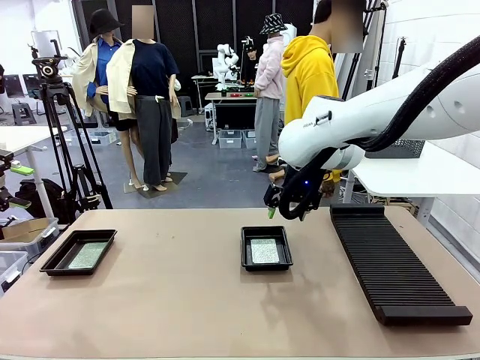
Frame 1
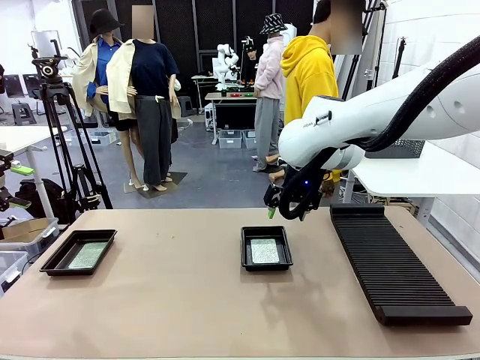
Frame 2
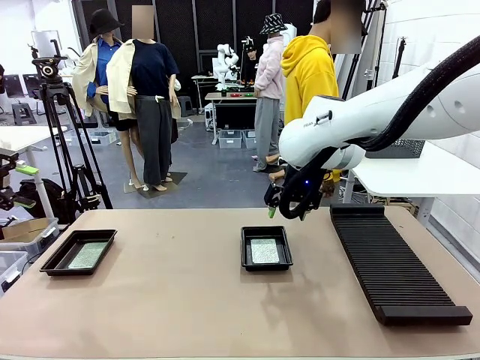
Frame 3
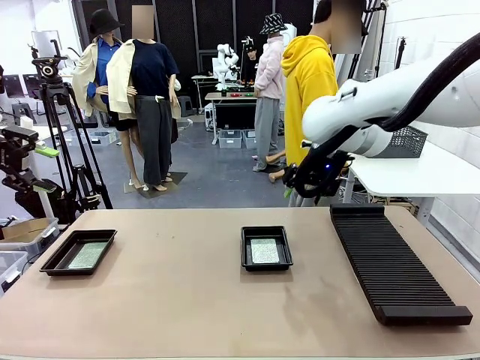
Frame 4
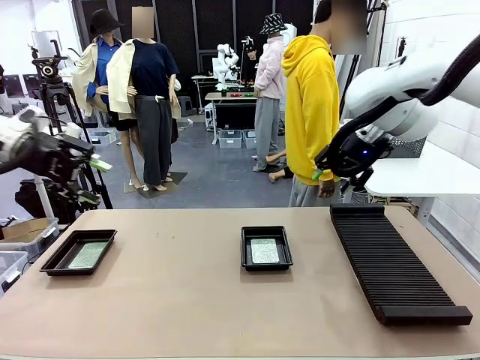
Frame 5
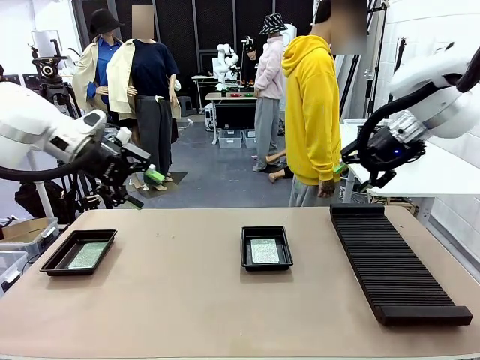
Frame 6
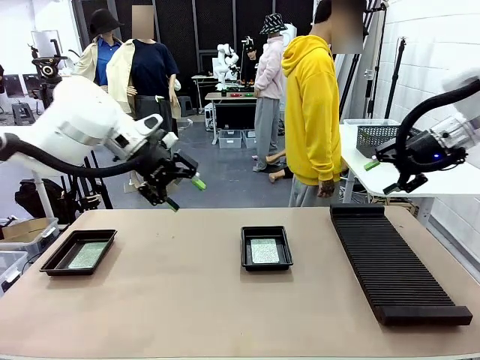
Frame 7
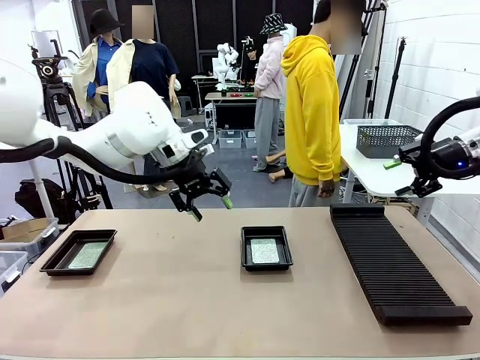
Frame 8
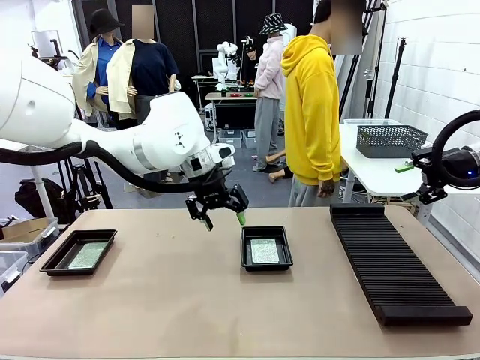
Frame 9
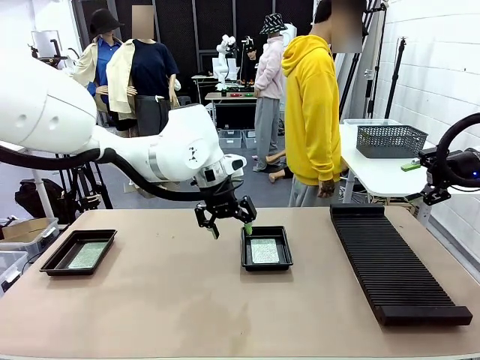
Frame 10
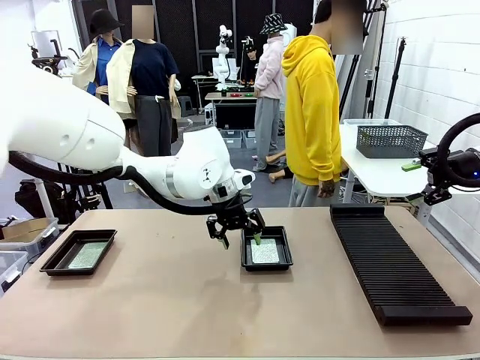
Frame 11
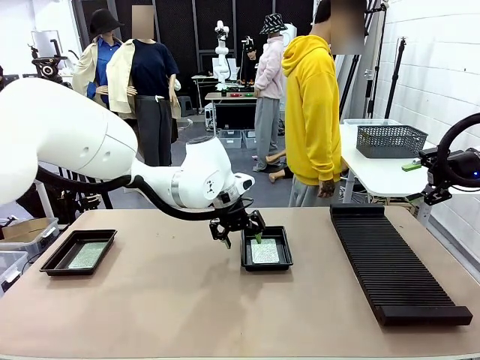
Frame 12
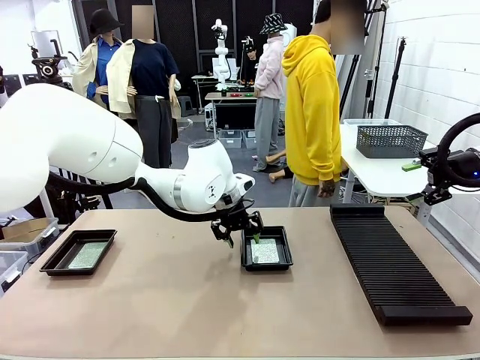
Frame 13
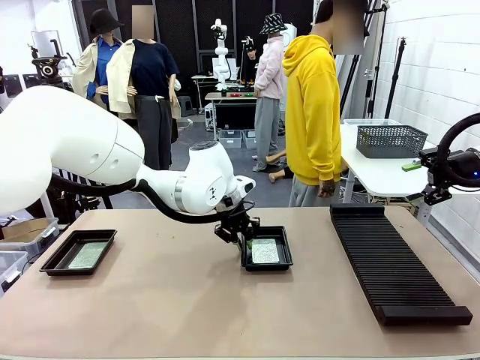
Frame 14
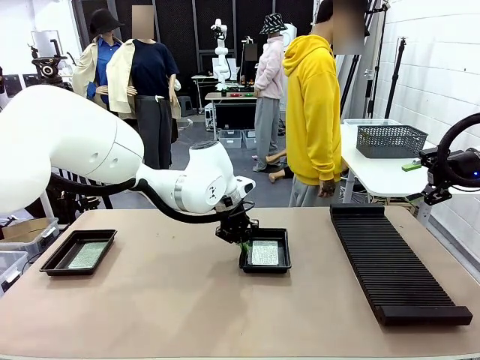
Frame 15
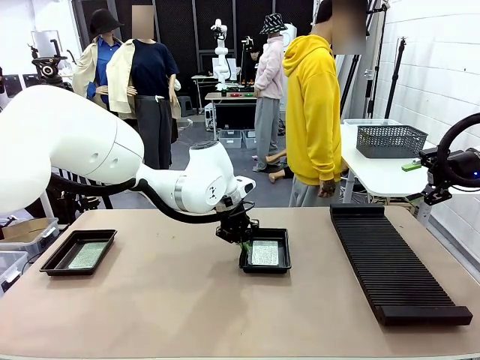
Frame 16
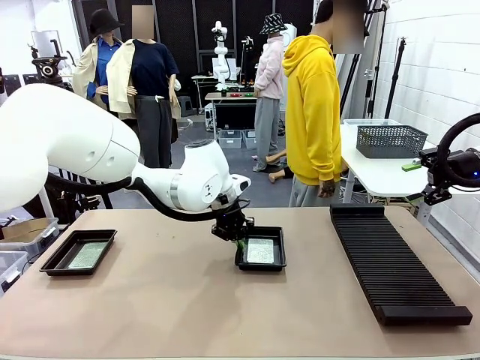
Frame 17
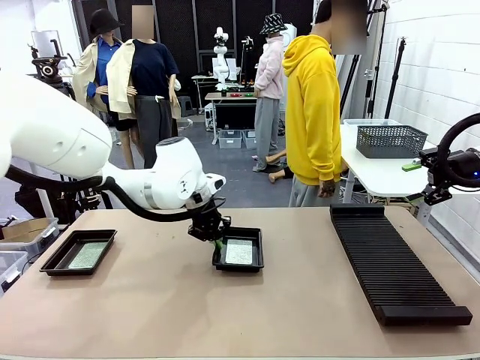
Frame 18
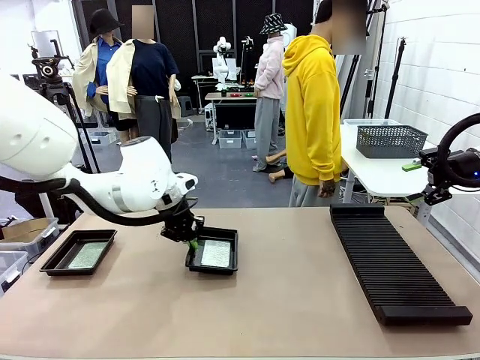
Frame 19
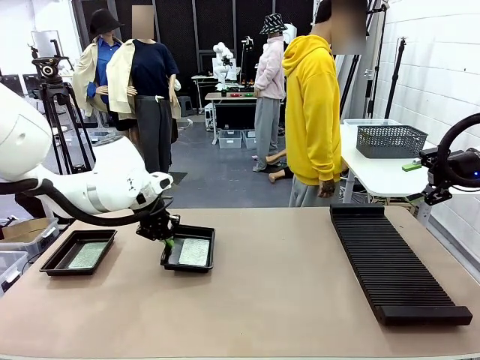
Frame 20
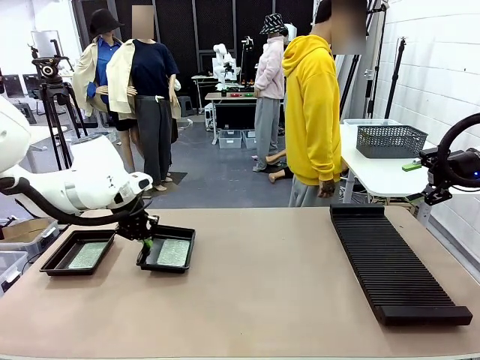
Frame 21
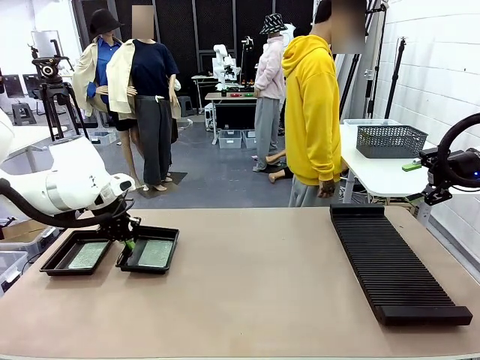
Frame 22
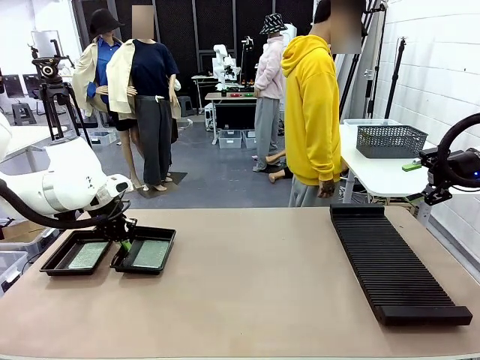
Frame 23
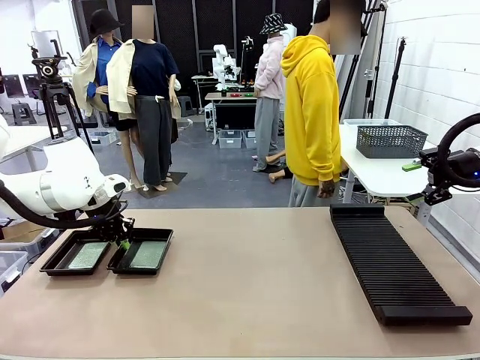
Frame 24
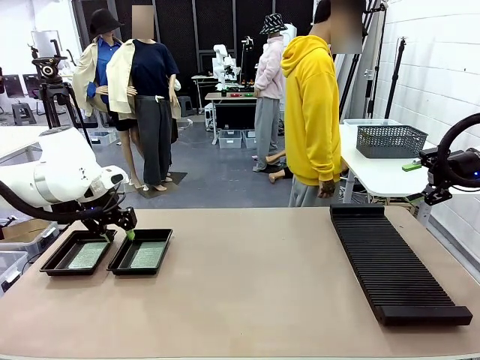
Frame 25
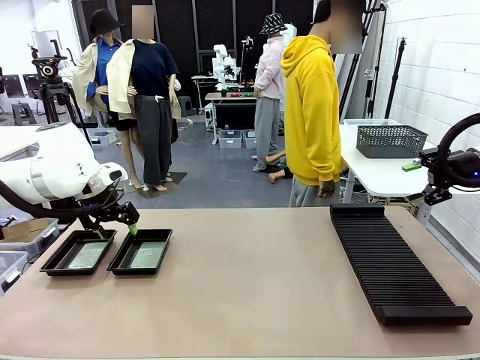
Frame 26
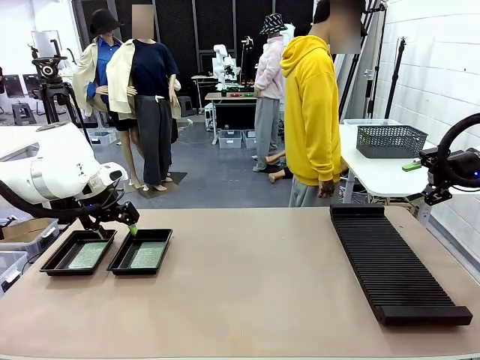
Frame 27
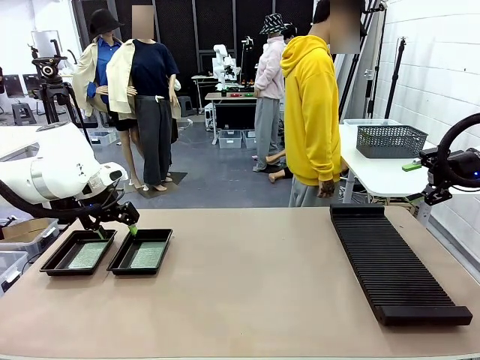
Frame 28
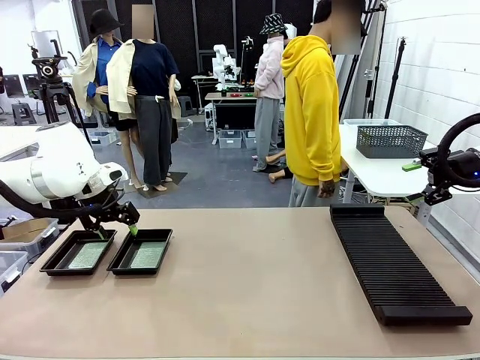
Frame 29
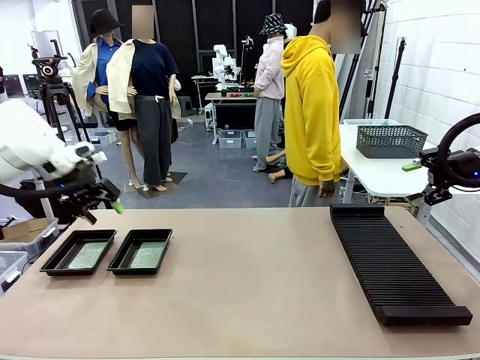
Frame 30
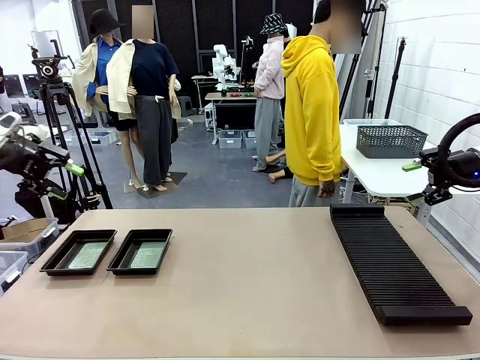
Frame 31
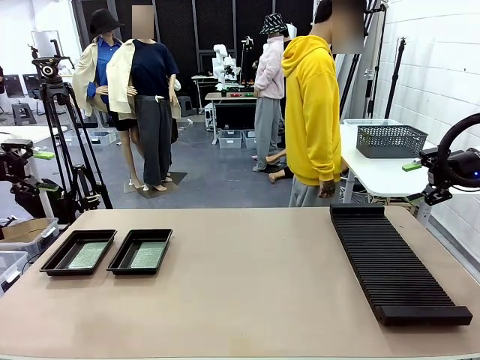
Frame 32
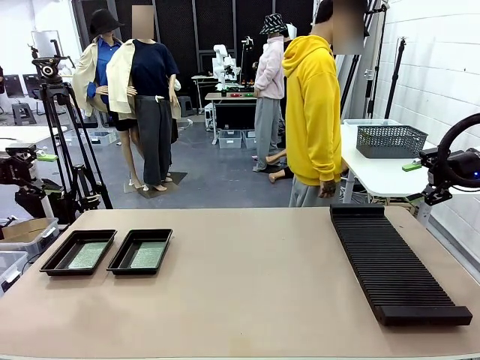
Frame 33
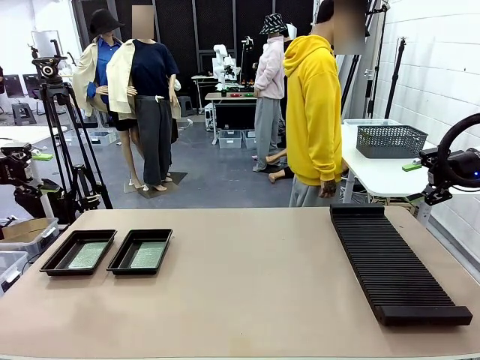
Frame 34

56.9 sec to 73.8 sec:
Task: Inspect and transfer BCBs to ESD trays.
Robot: Pick up the ESD tray and place it on the left side of the table.

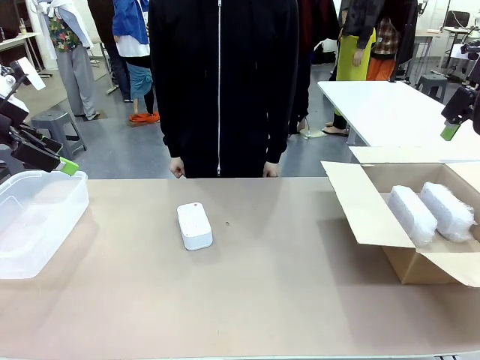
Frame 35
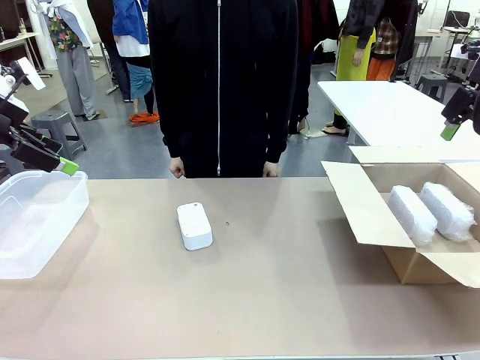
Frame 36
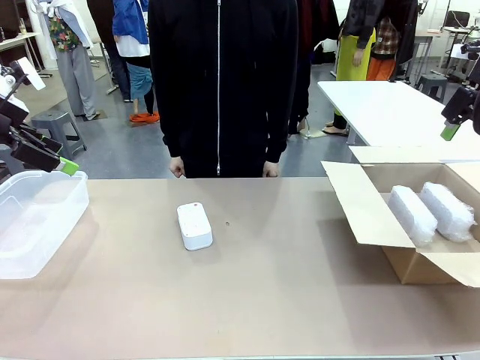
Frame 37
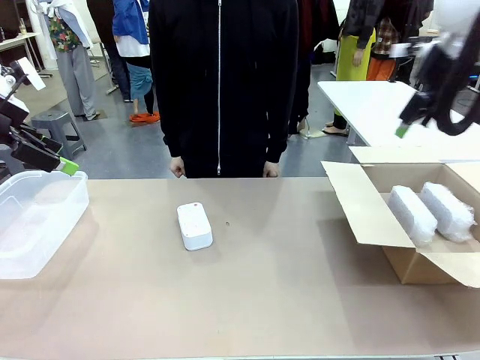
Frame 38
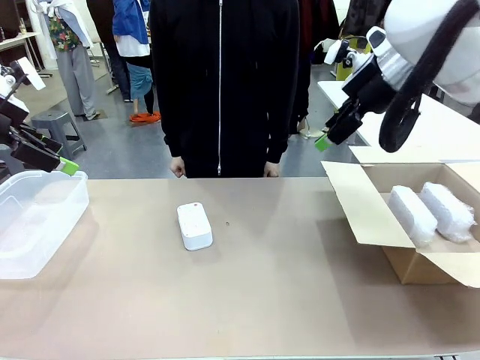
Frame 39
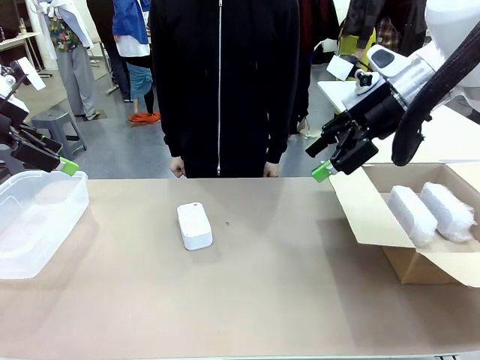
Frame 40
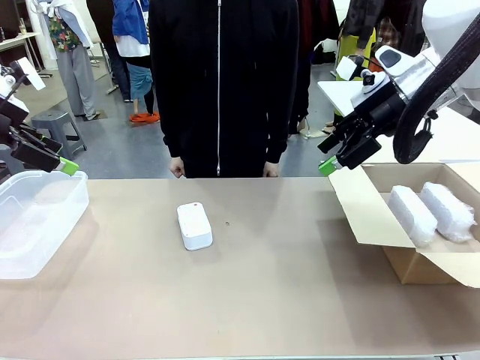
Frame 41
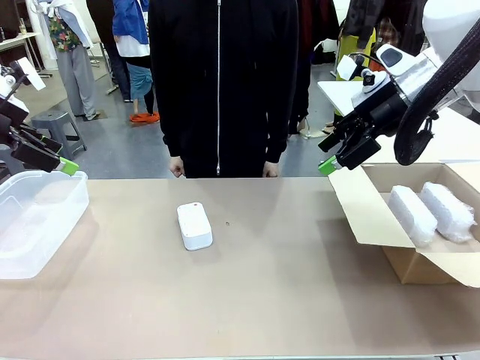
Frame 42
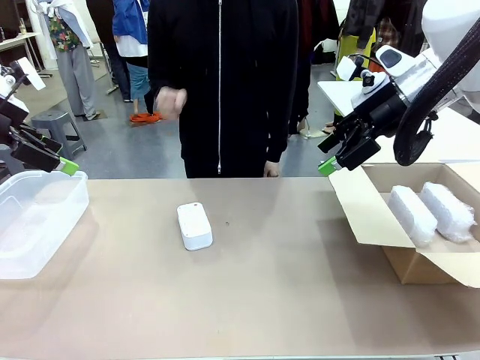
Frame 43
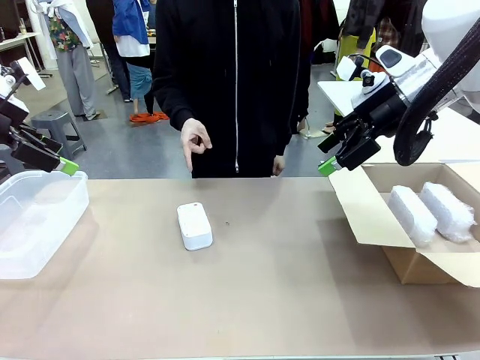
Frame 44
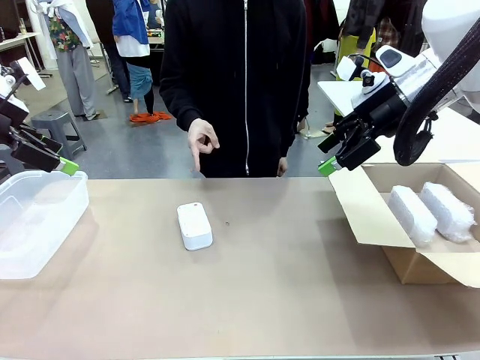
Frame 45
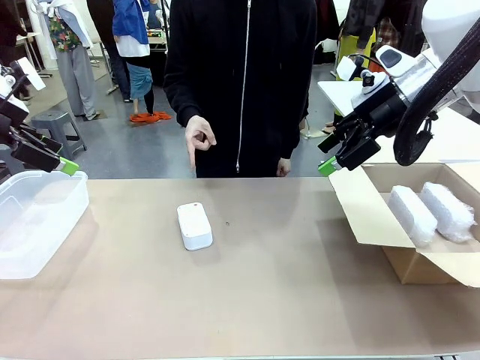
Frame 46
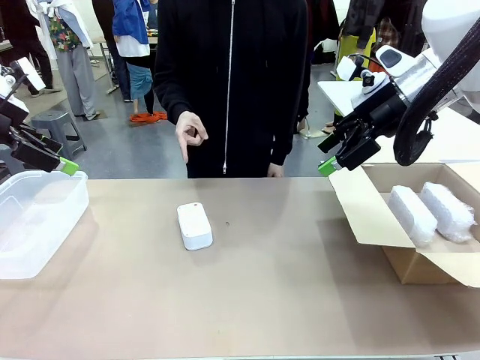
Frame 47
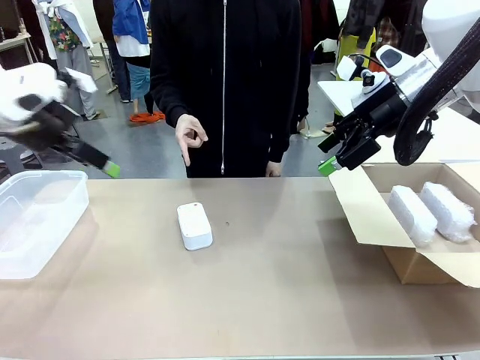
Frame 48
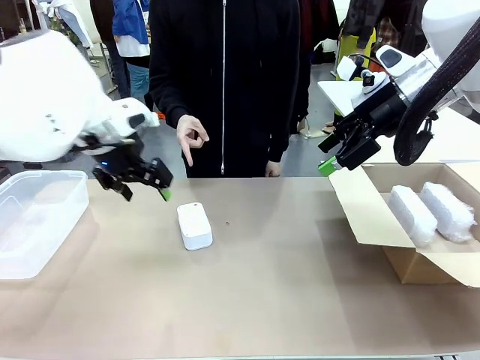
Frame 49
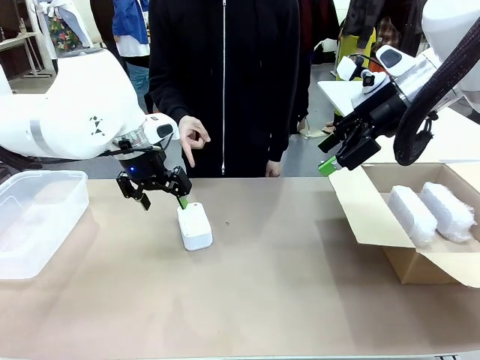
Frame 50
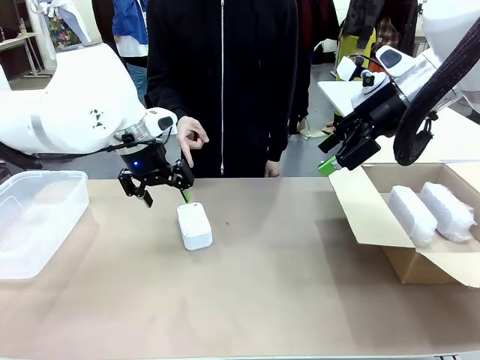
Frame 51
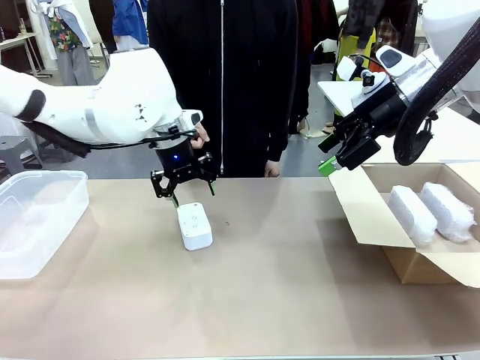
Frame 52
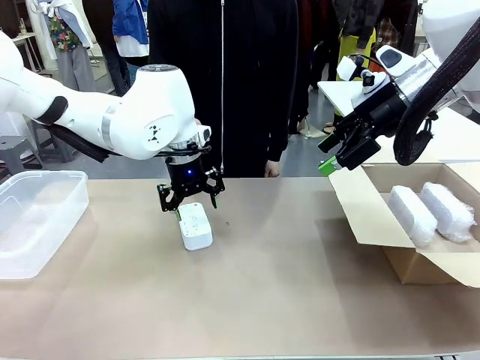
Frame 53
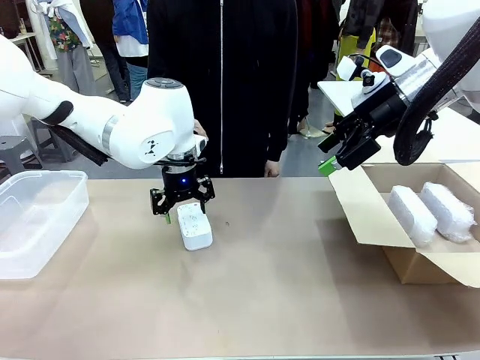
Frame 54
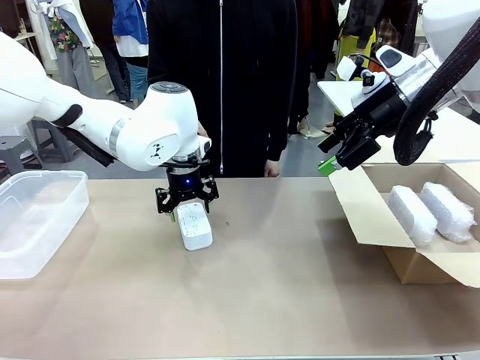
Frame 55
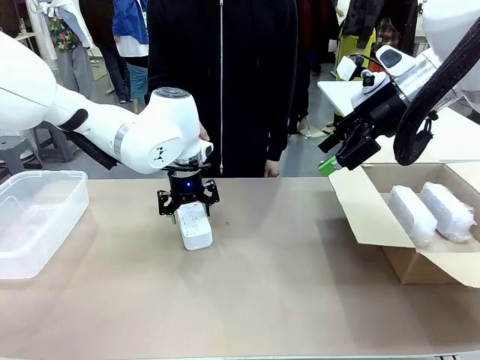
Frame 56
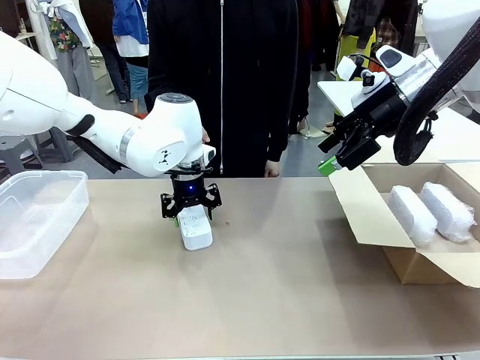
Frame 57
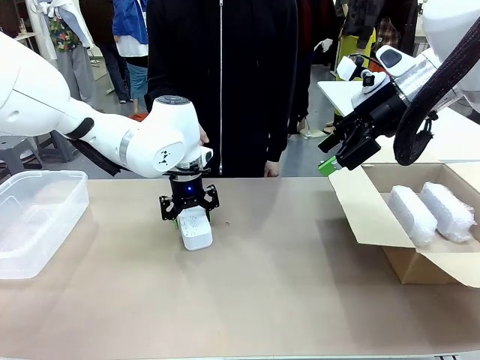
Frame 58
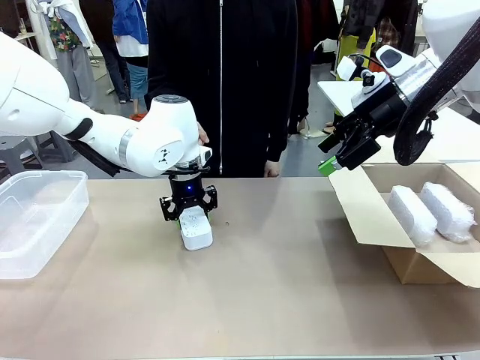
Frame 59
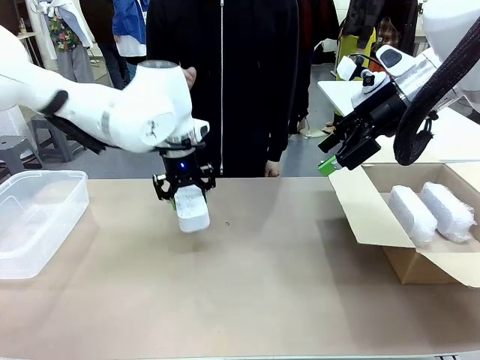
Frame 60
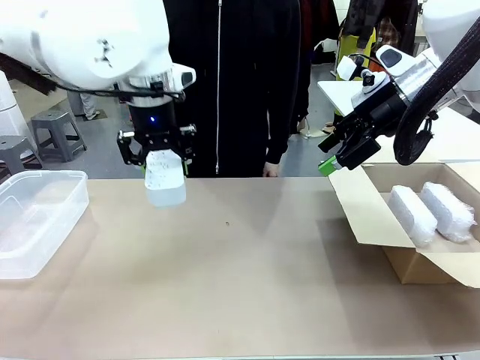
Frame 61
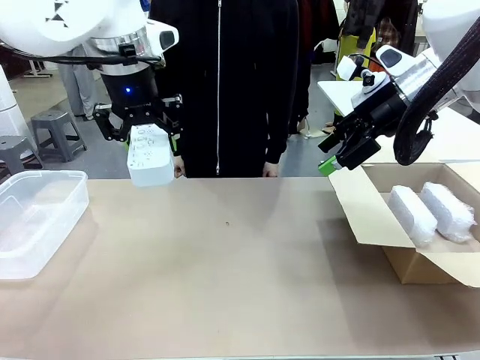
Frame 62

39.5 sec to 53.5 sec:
Task: Separate and place wrapped and unwrapped clocks.
Robot: Pick up the Digital clock indicated by the person.
